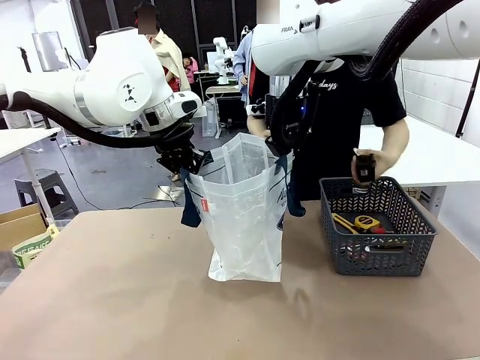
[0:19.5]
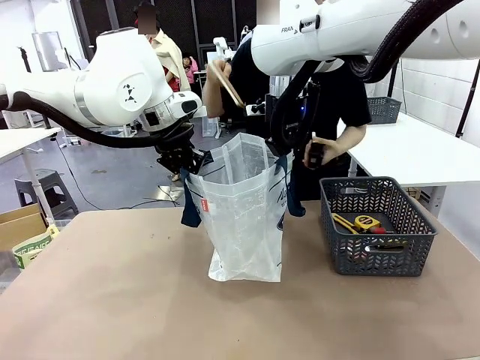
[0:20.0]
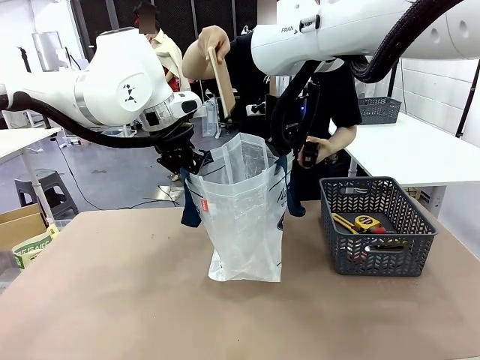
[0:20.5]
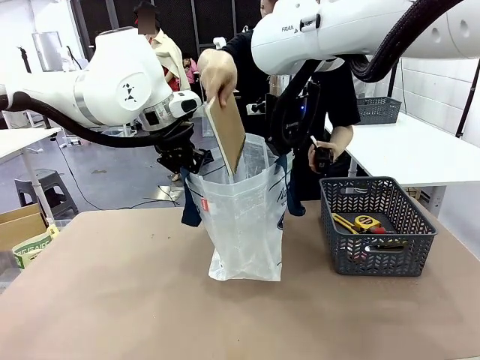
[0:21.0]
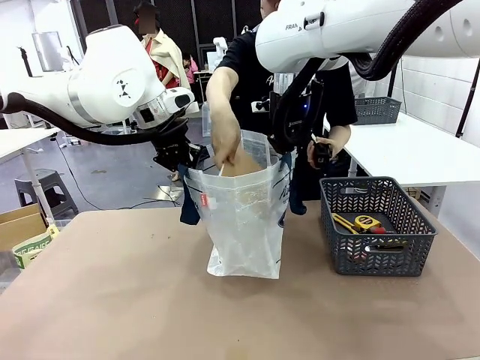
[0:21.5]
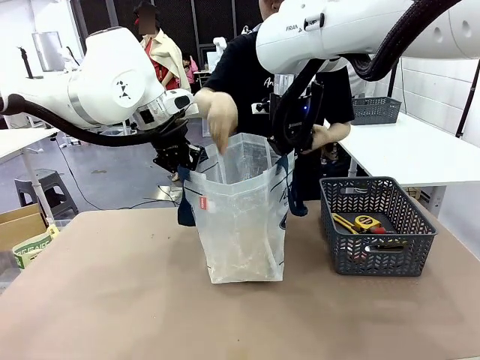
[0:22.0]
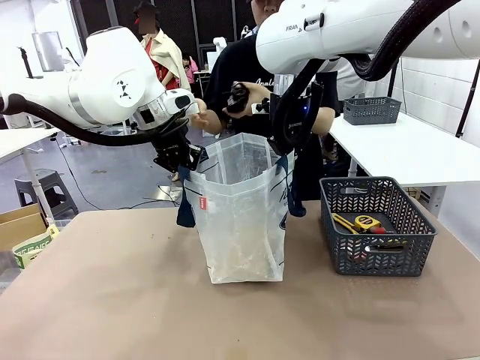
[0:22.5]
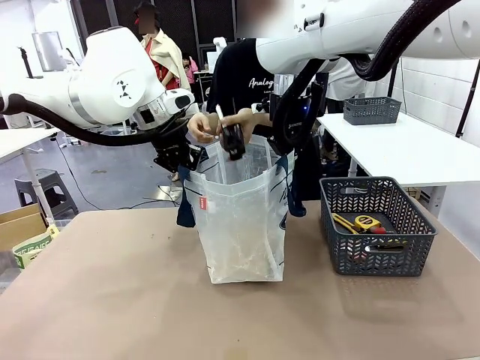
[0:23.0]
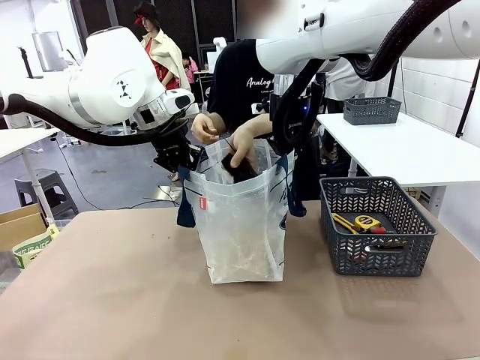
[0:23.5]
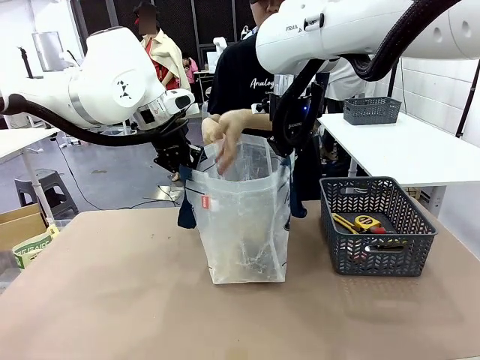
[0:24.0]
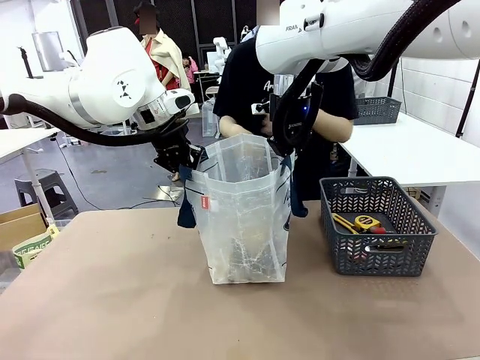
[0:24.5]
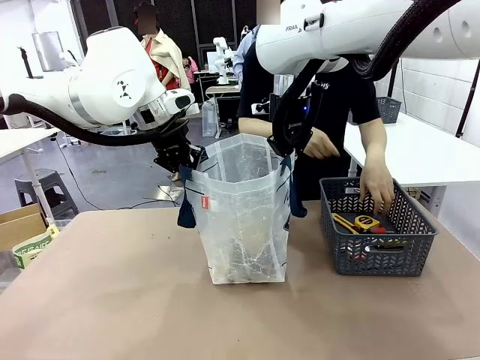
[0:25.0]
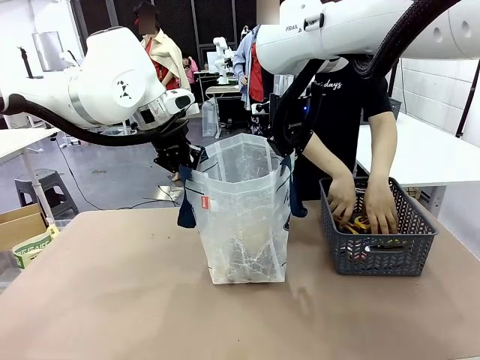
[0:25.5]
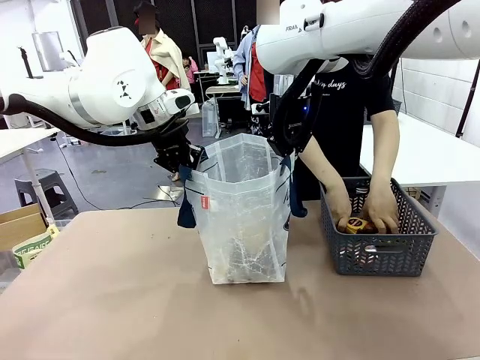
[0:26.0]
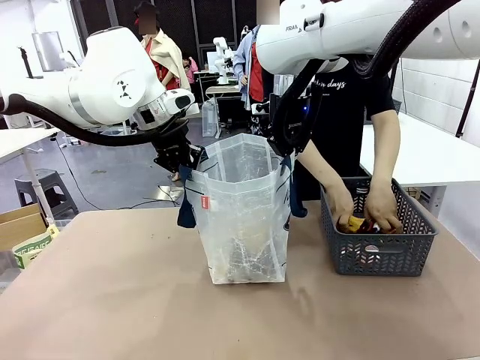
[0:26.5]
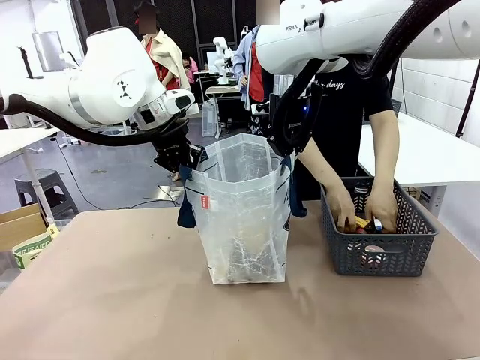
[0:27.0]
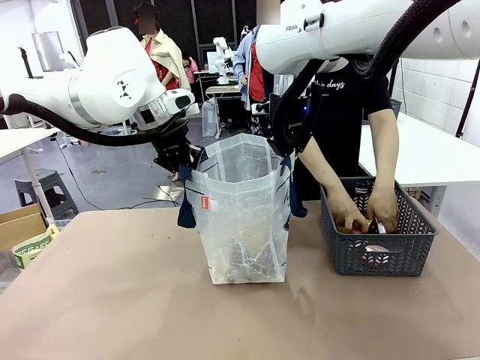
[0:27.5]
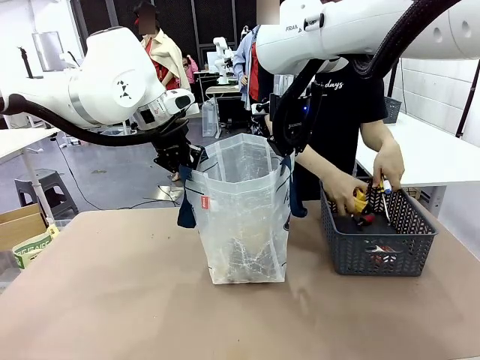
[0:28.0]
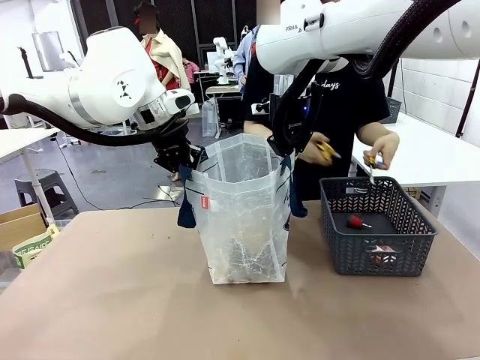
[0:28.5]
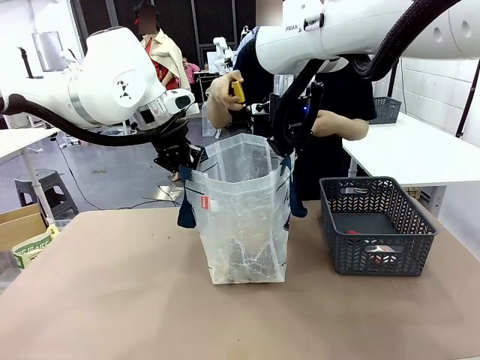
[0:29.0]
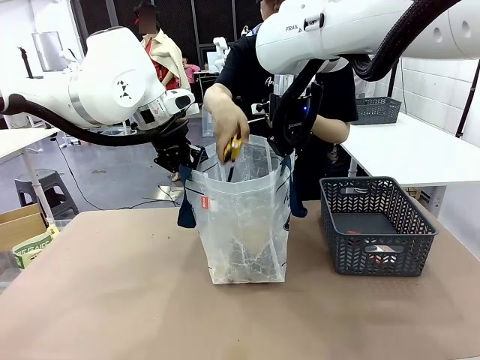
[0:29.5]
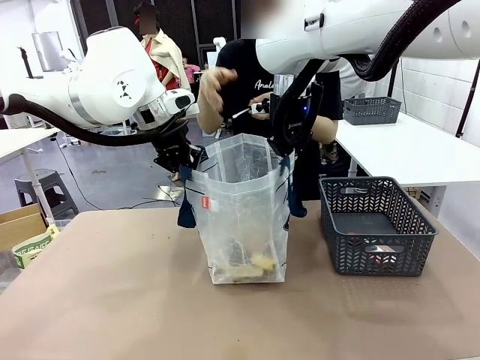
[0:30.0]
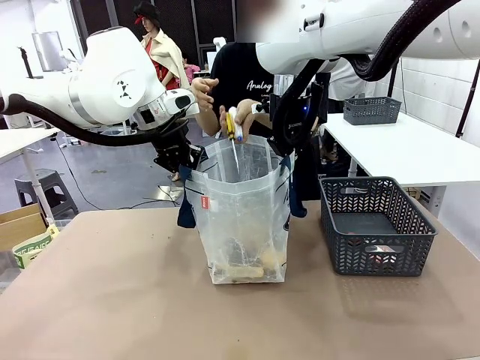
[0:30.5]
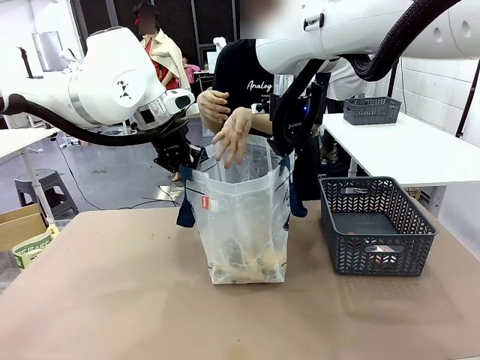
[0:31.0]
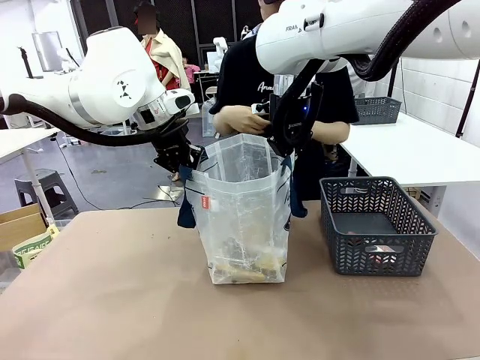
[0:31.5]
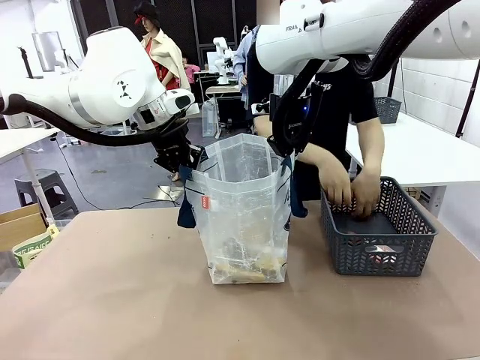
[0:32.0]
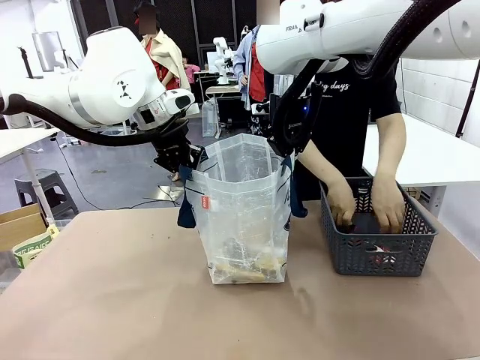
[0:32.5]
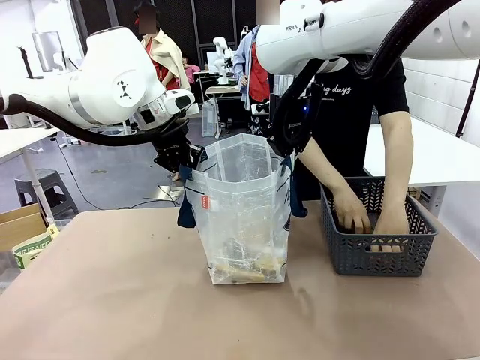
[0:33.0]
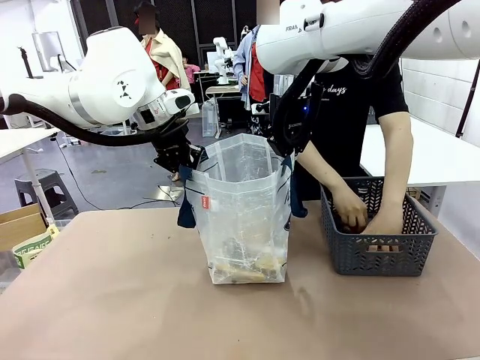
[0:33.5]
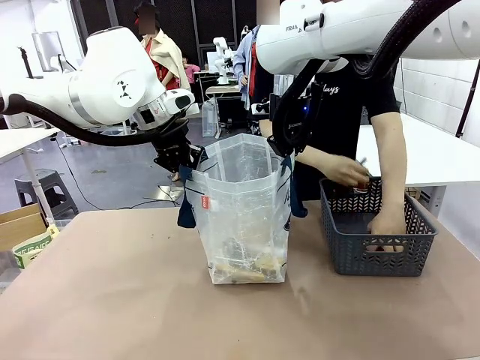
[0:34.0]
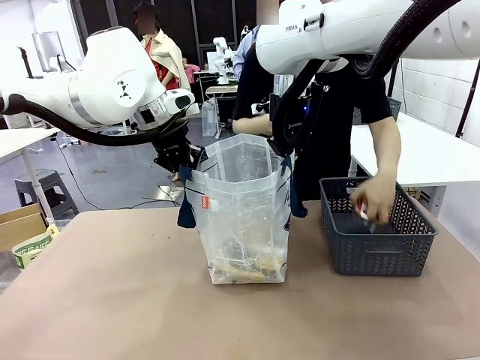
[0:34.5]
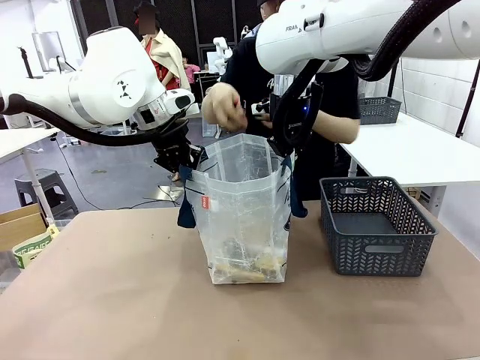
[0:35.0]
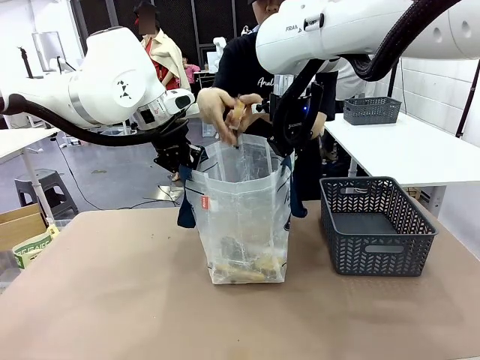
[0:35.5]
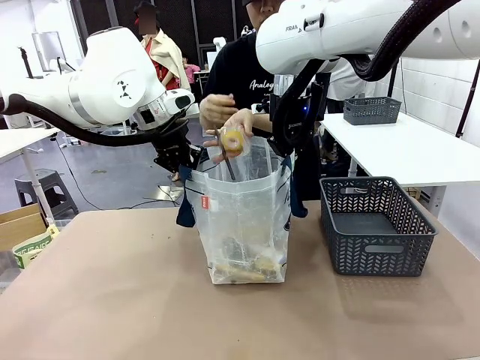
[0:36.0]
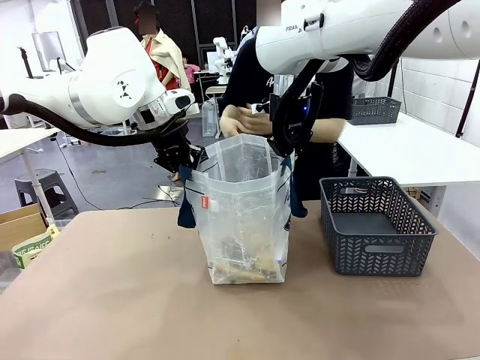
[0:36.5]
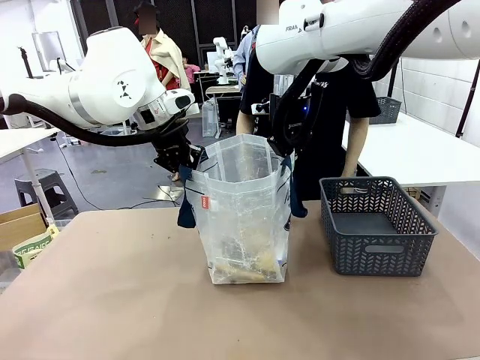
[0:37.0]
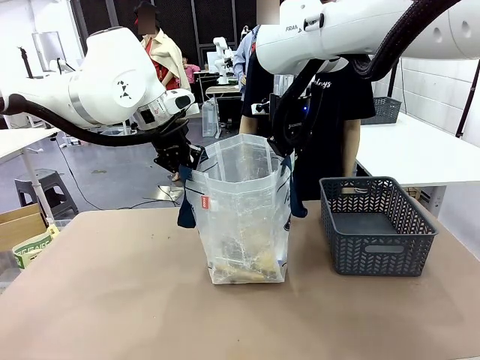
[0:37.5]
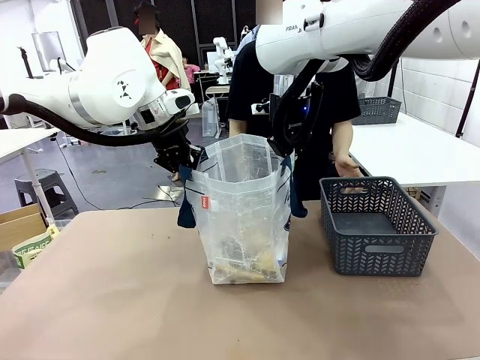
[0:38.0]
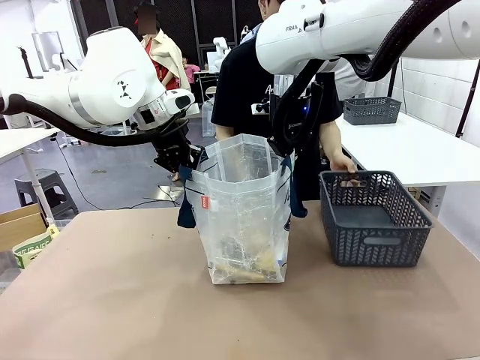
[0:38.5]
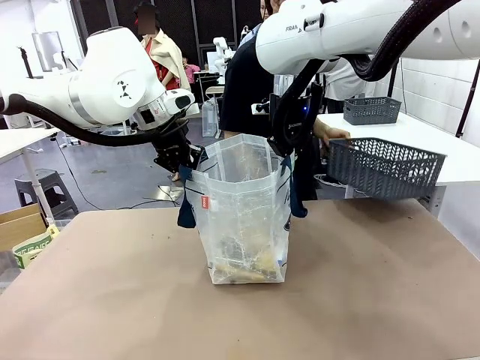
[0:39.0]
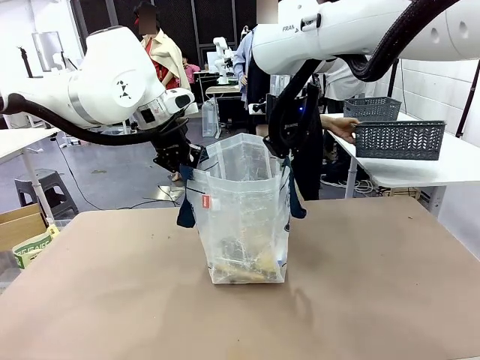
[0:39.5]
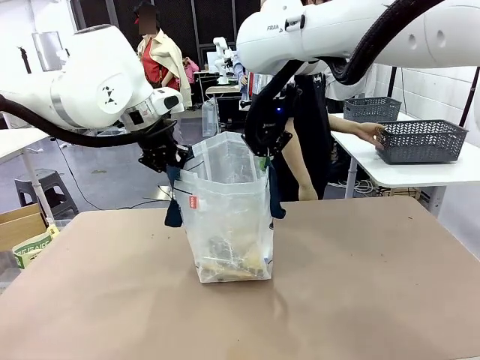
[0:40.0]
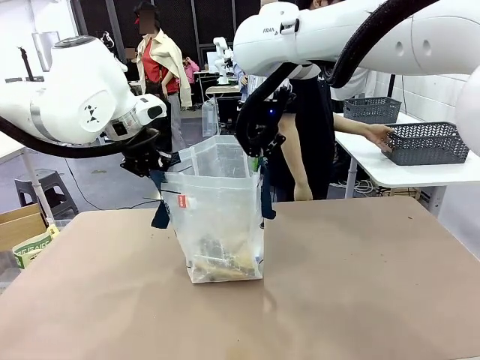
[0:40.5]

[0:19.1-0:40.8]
Task: Transfer purchased items from the store into the shopping bag.
Robot: Move the Reusable shopping bag to the right side of the table.
Person: Pick up the basket on the right, place it on the left side of the robot table, and move the items in the basket to the shopping bag. Pick up the basket with the items out and place it on the right side of the human table.
